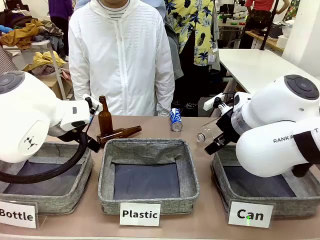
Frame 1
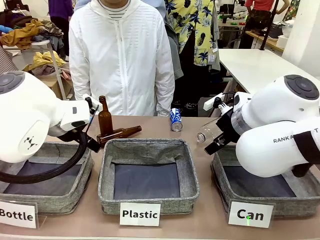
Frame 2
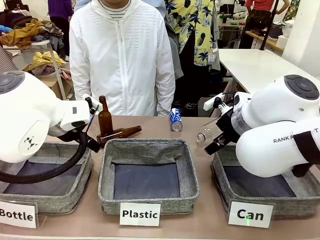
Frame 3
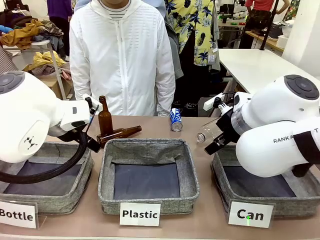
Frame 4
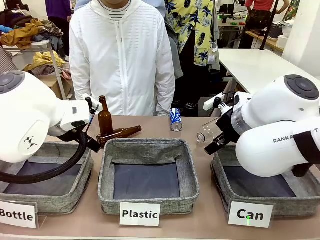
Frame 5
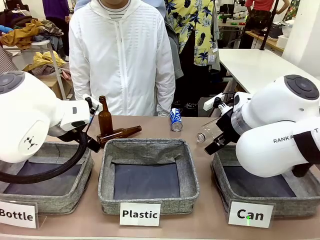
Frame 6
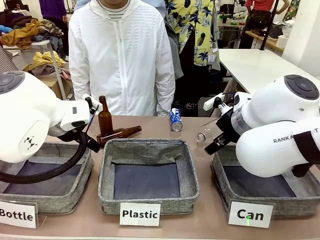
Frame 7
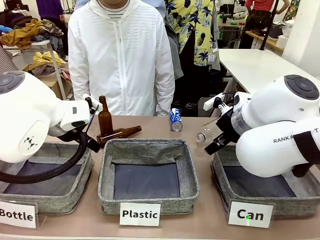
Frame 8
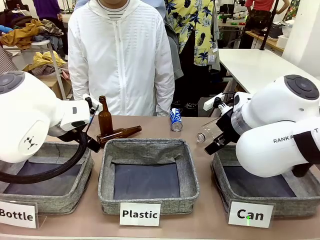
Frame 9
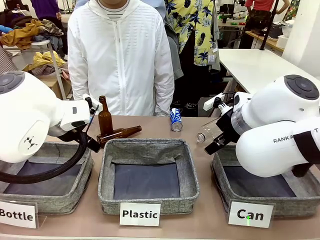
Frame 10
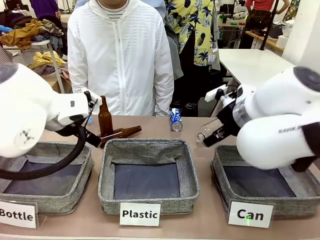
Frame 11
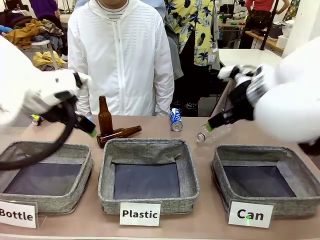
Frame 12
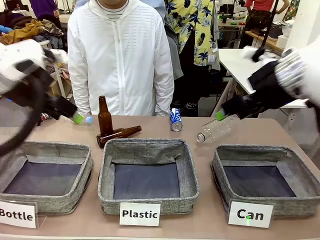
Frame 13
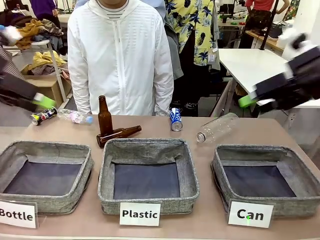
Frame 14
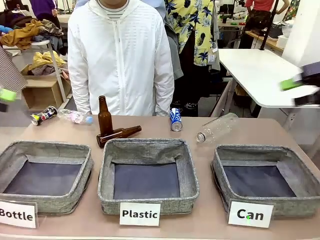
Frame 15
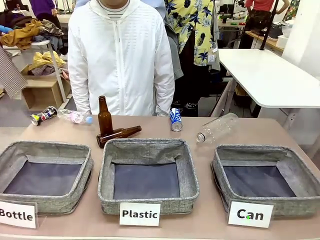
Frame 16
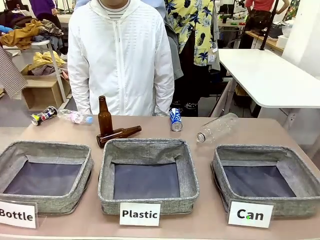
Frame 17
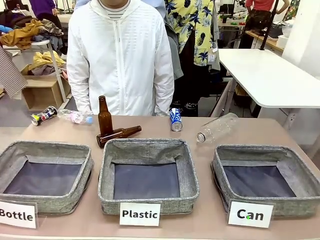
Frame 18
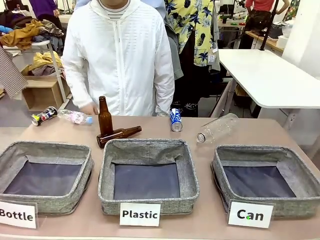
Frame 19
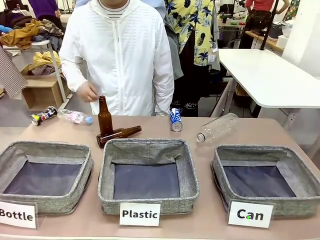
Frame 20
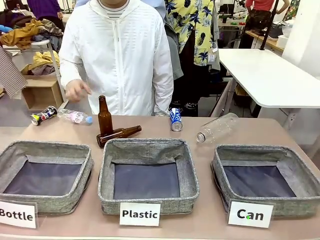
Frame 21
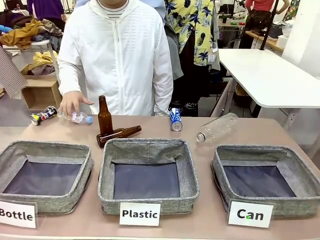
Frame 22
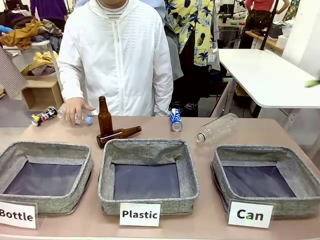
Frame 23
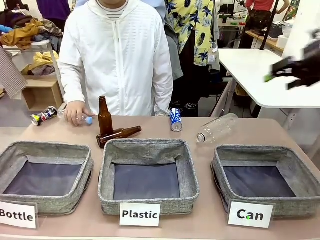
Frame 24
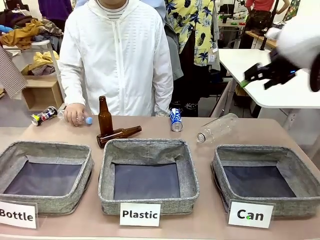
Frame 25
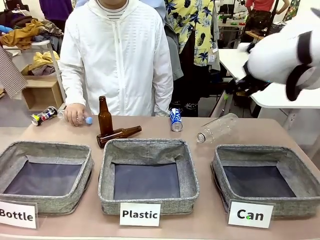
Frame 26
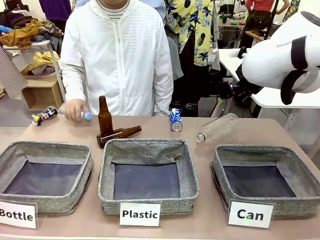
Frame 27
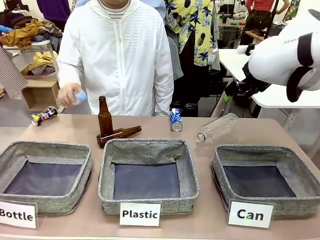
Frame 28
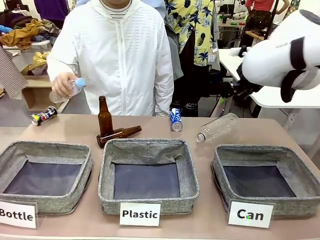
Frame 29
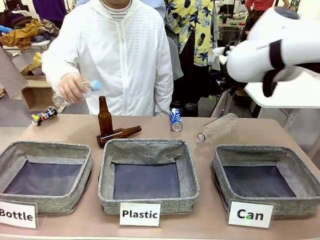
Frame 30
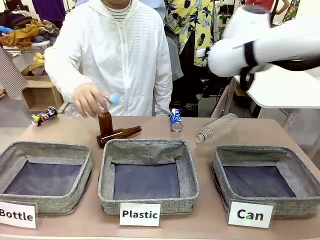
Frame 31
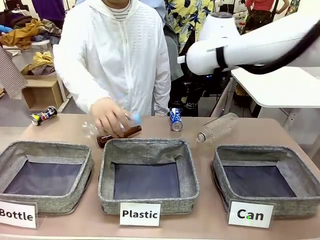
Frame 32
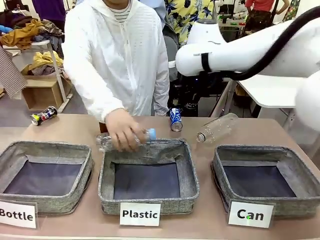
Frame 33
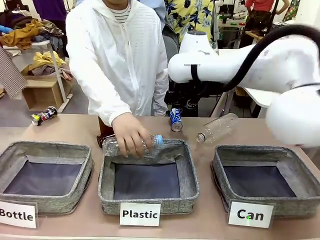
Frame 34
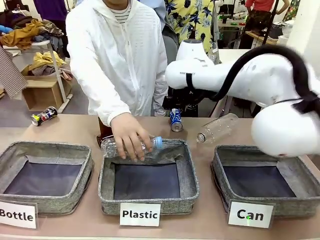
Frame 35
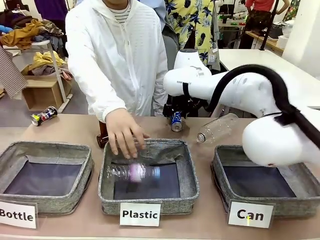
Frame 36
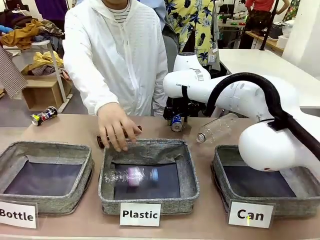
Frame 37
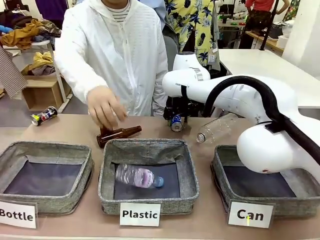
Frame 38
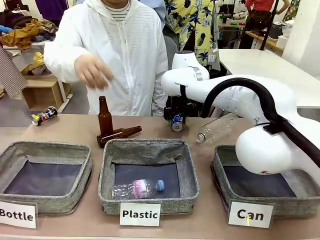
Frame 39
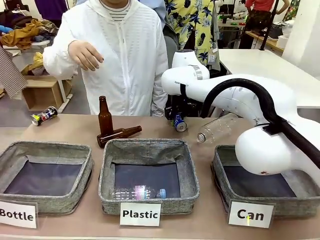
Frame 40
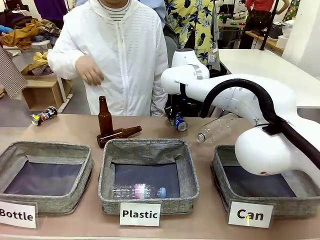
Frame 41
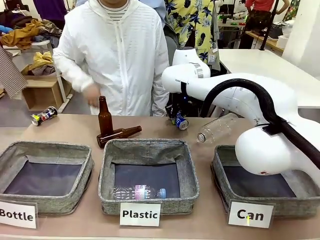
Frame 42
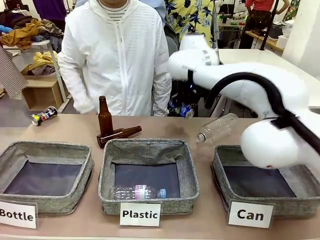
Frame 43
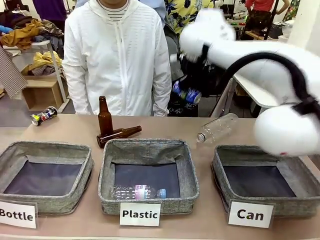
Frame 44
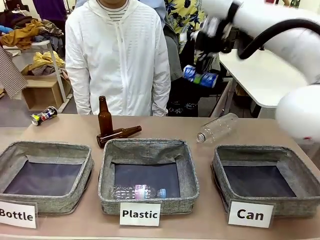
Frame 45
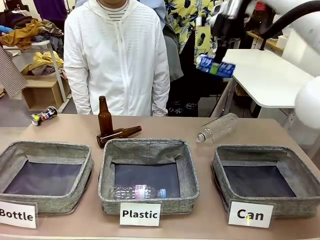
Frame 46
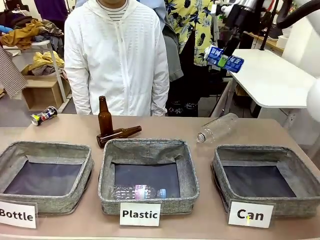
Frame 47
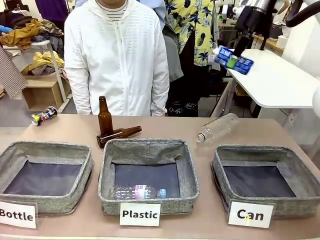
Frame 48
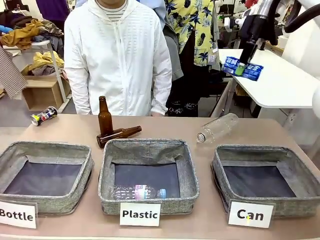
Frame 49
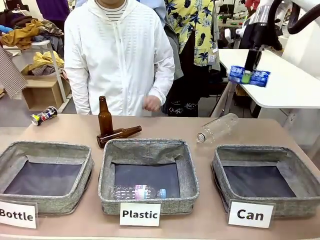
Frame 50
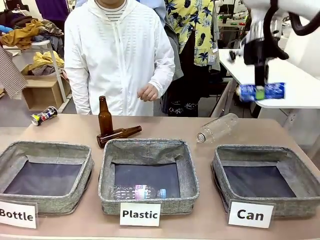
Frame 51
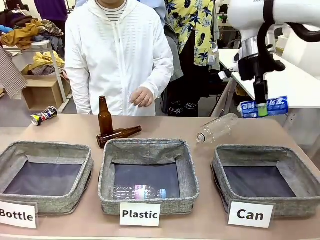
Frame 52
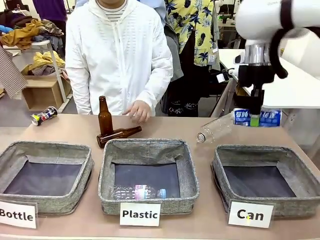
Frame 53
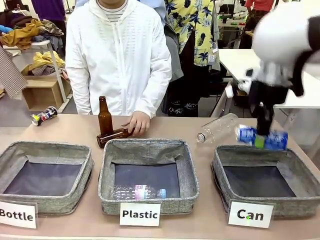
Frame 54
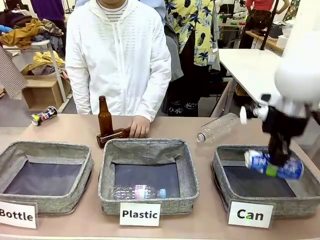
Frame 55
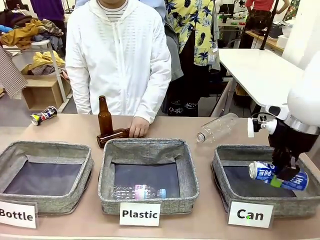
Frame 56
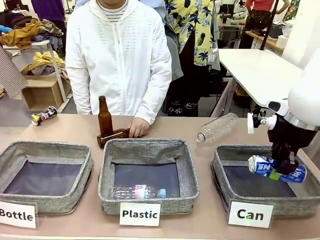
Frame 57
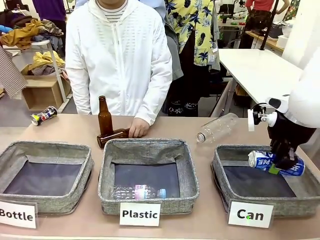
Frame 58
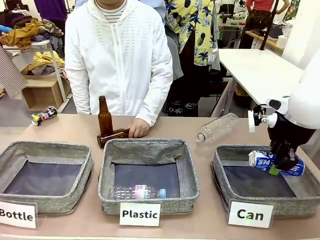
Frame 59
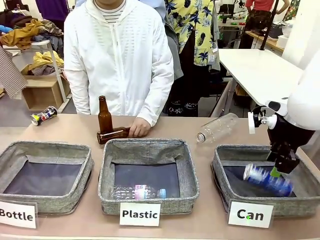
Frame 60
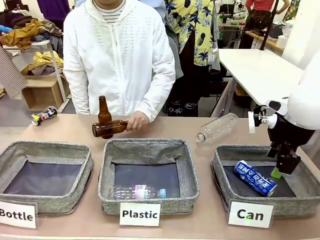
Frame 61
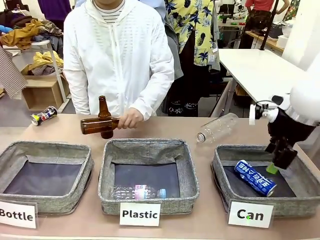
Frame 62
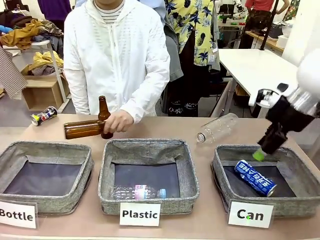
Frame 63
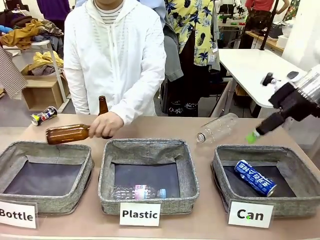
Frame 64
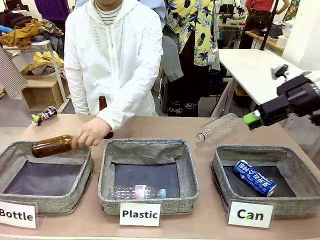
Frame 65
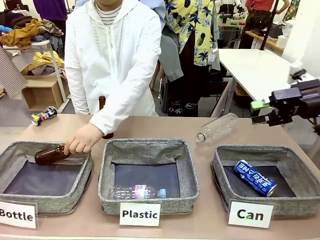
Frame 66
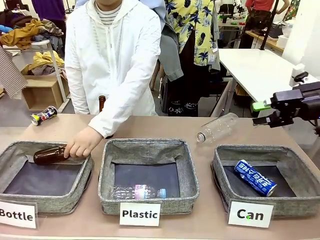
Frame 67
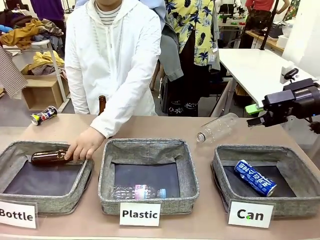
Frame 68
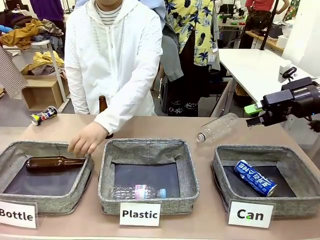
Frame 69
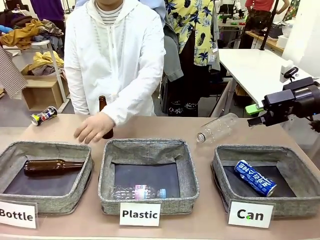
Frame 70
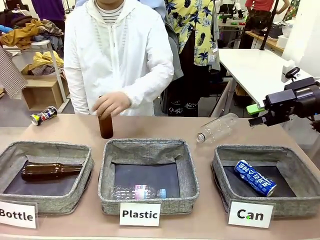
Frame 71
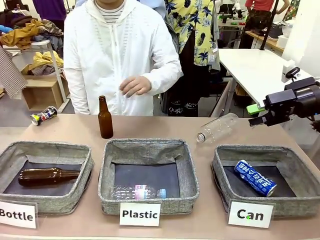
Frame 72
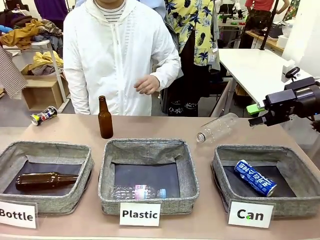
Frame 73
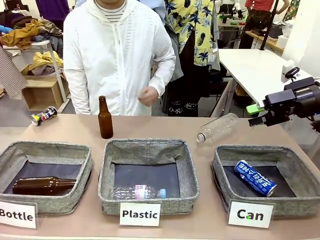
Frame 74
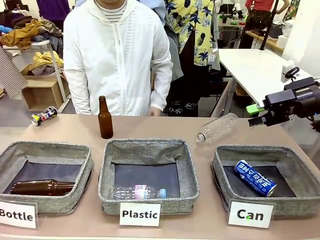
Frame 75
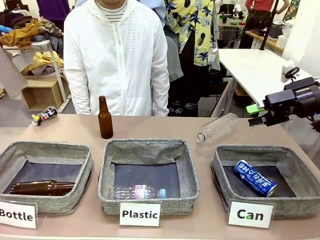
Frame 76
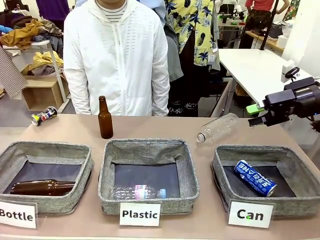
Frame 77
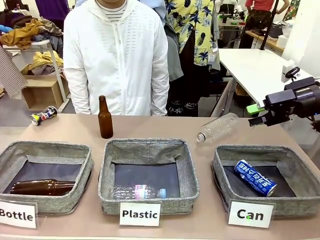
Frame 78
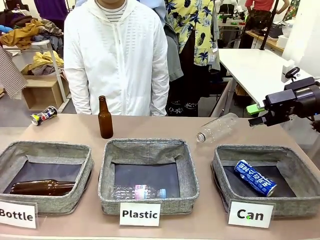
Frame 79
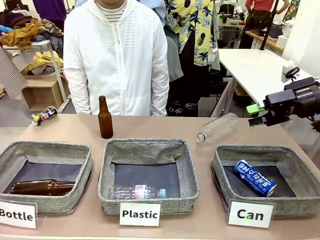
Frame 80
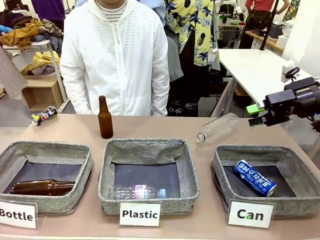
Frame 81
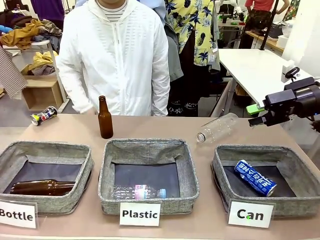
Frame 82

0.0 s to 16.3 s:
Task: Sort the can waste into the basket.
Robot: Pick up the can waste from the table and place it in the right Fabric basket.

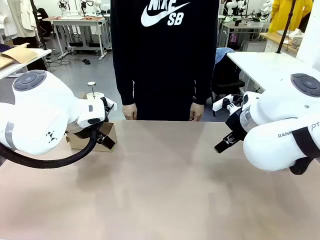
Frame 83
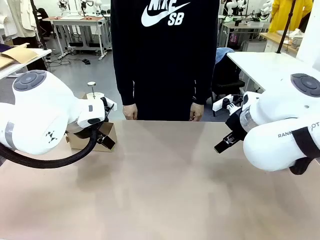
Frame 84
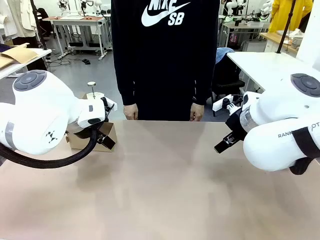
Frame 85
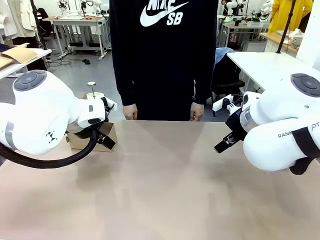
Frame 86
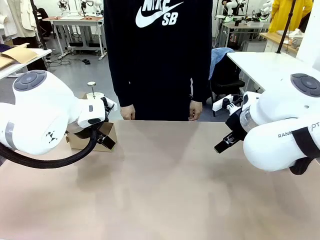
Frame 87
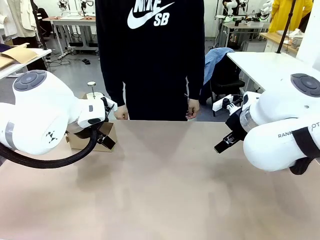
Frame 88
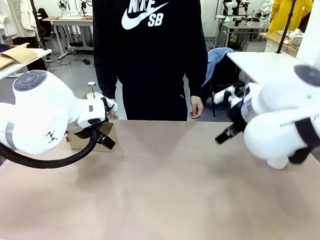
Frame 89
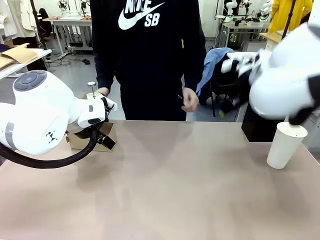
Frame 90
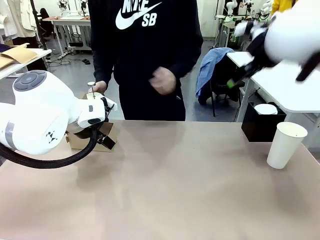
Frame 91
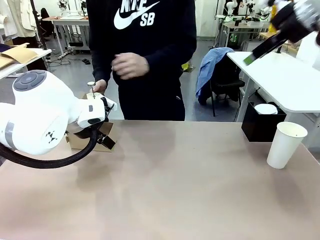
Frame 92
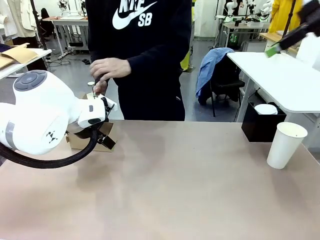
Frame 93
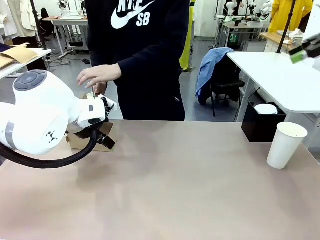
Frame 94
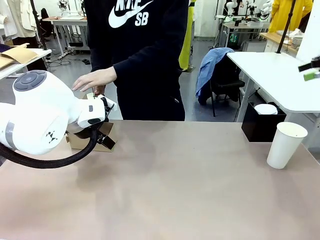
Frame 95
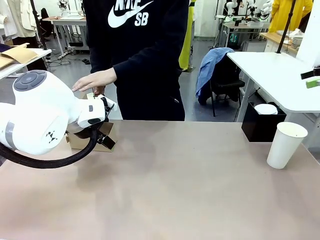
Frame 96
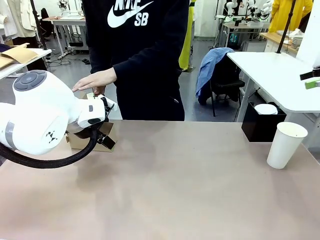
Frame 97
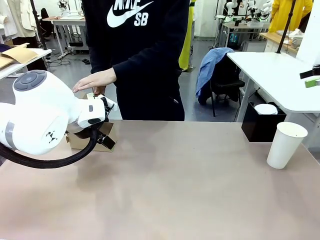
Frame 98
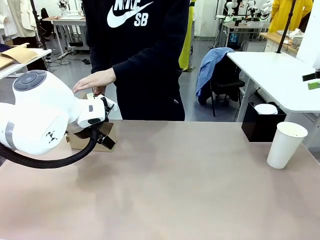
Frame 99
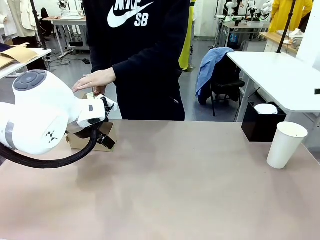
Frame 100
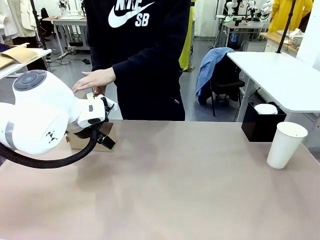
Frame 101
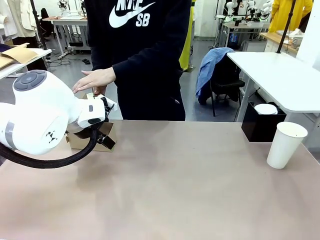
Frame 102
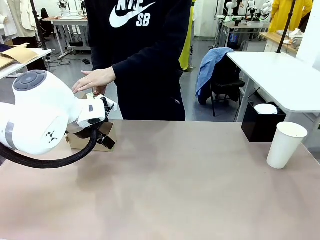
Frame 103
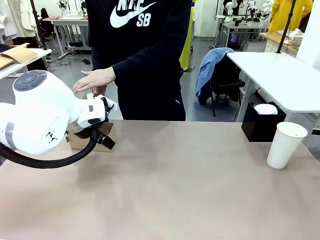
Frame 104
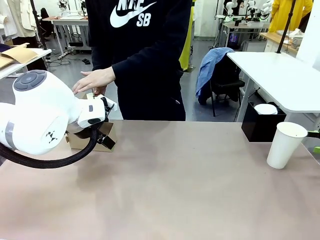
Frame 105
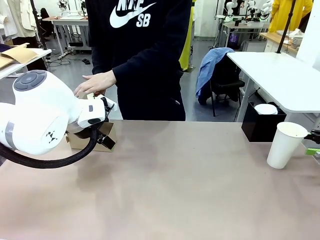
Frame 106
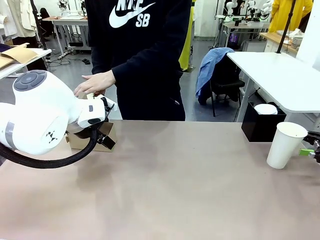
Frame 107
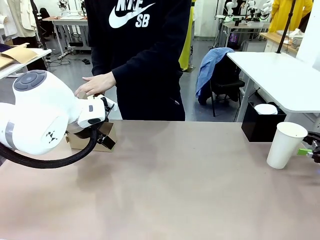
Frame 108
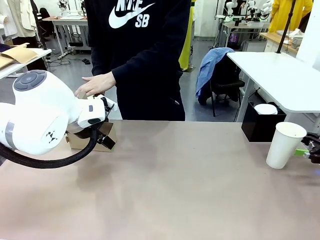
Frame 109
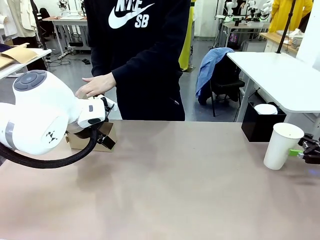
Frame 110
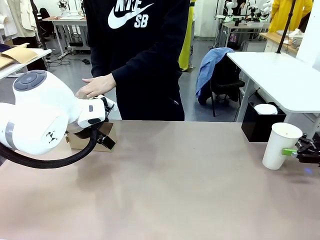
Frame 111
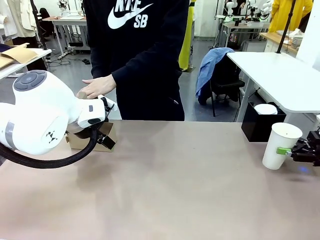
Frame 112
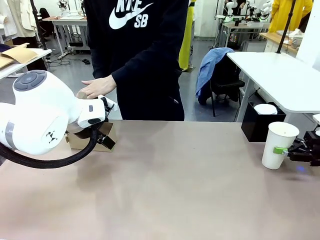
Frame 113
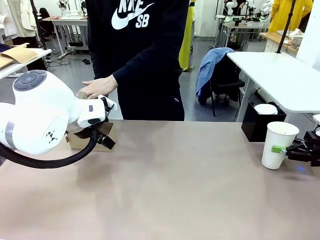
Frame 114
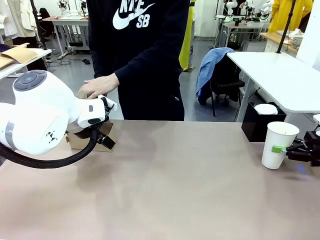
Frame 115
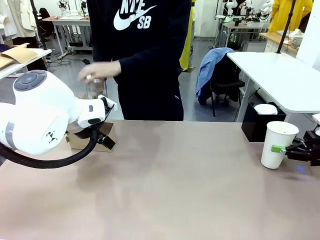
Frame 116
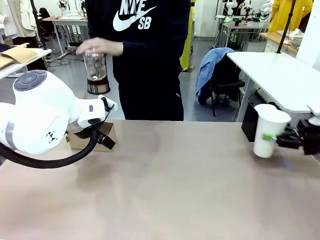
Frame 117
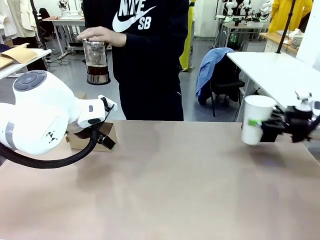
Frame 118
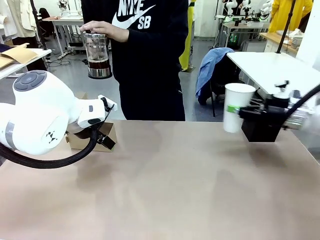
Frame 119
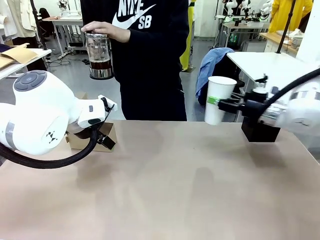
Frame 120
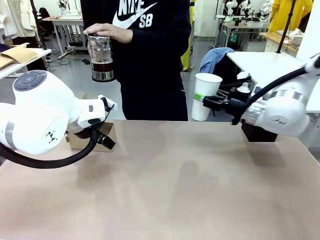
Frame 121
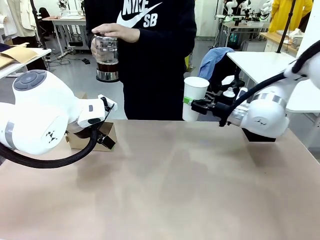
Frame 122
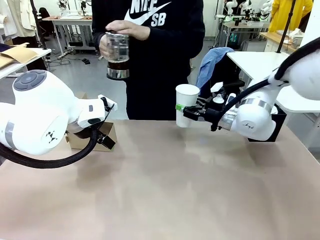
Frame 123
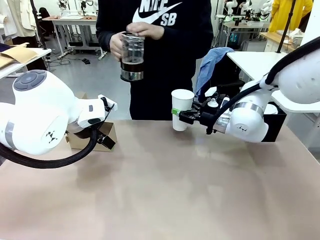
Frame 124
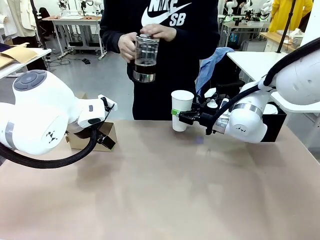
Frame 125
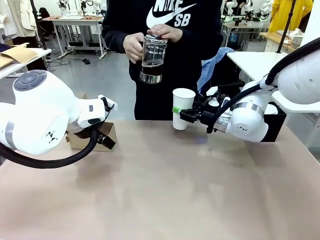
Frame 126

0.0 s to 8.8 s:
Task: Pour a drink into a cup and package it in a carrier.
Robot: Pick up the 600 ml Paper Cup and place it in the middle top area of the table.
Person: Press and pick up the Filter Brewing.
